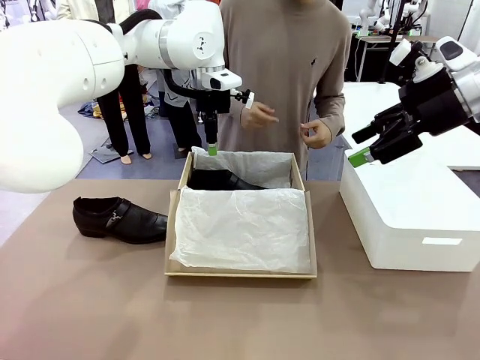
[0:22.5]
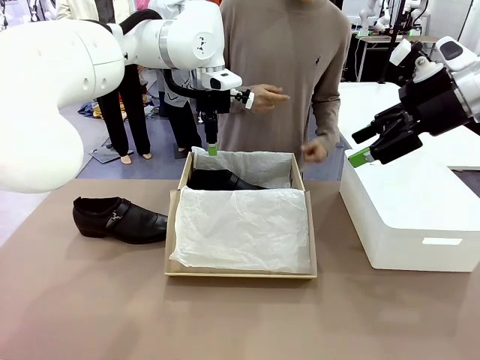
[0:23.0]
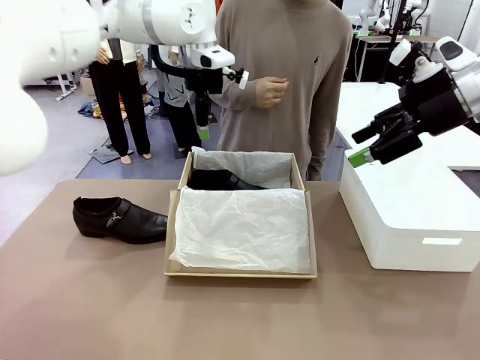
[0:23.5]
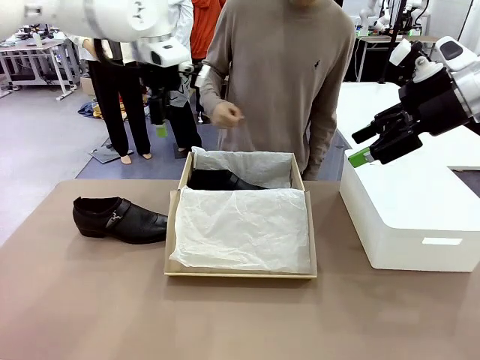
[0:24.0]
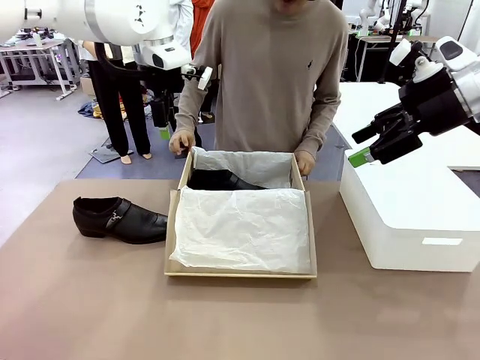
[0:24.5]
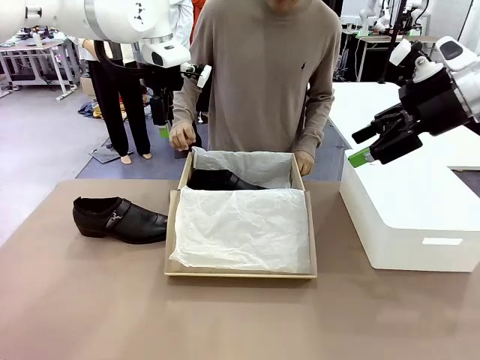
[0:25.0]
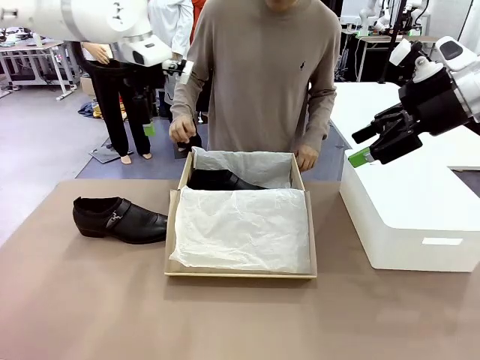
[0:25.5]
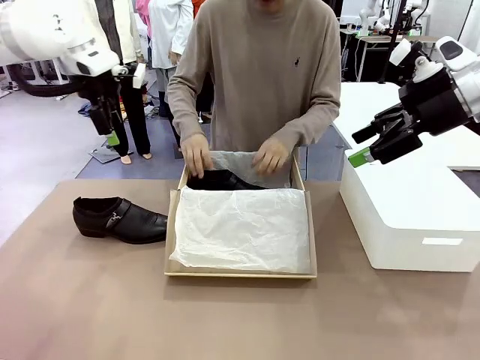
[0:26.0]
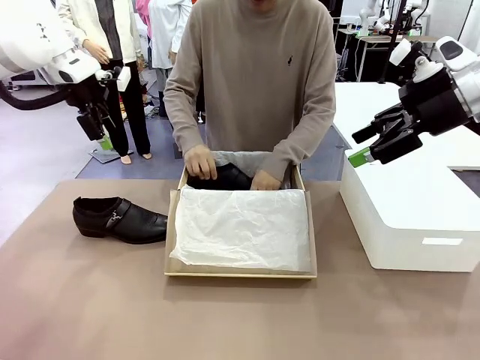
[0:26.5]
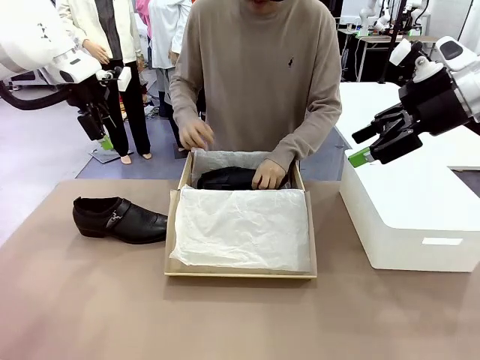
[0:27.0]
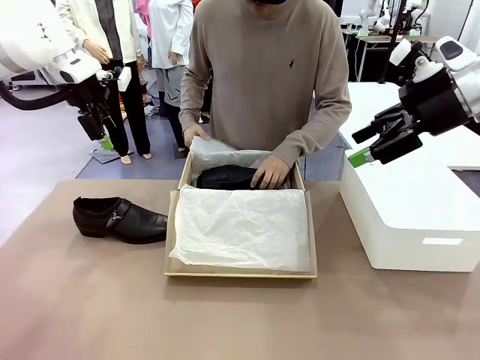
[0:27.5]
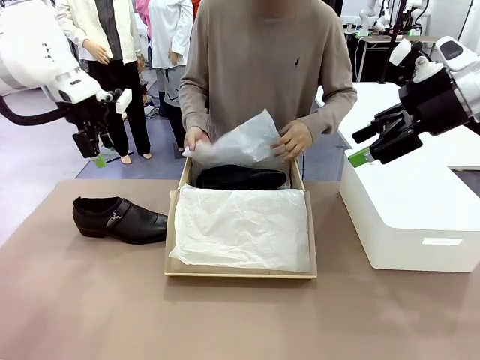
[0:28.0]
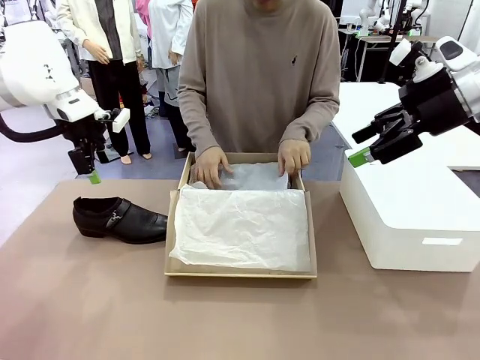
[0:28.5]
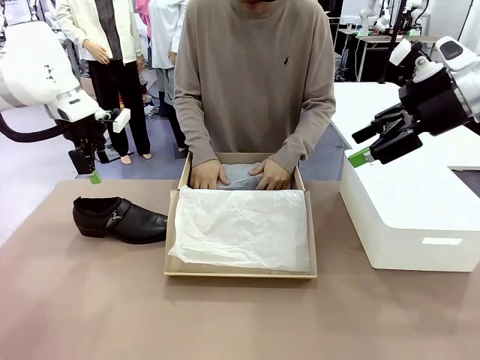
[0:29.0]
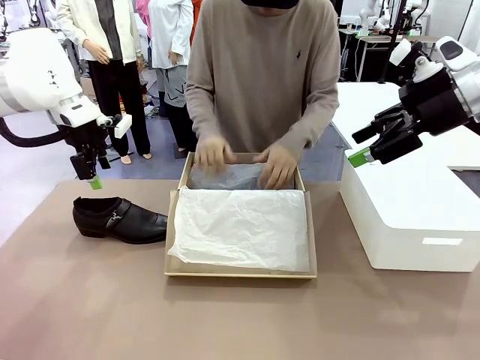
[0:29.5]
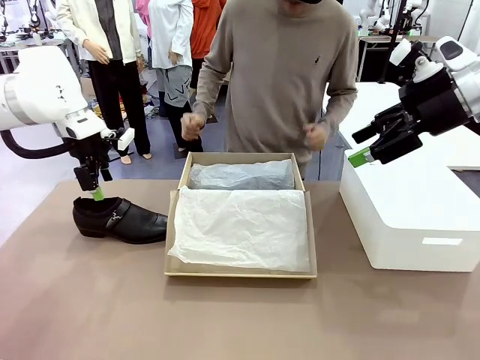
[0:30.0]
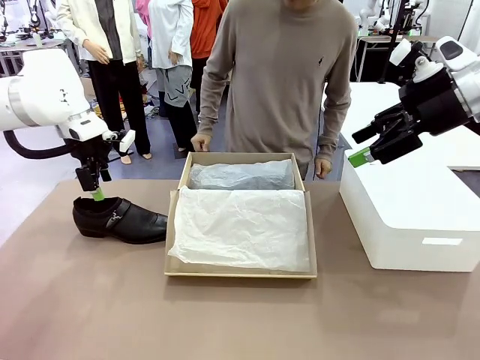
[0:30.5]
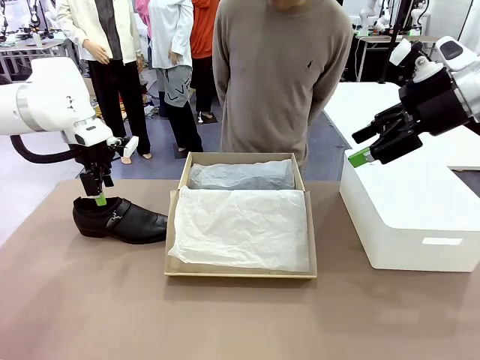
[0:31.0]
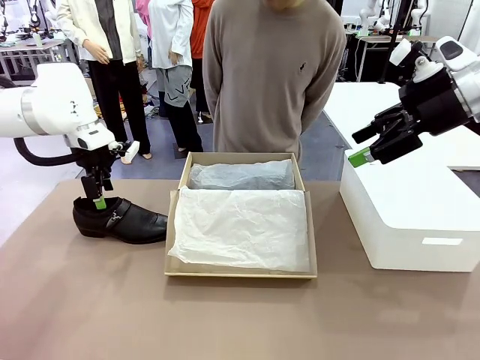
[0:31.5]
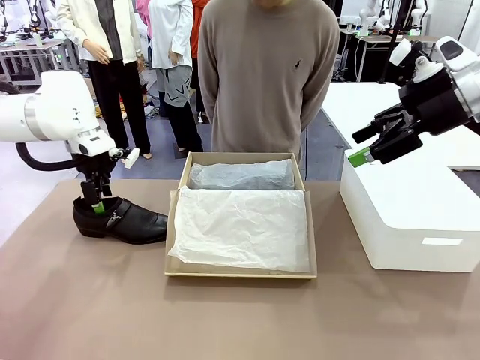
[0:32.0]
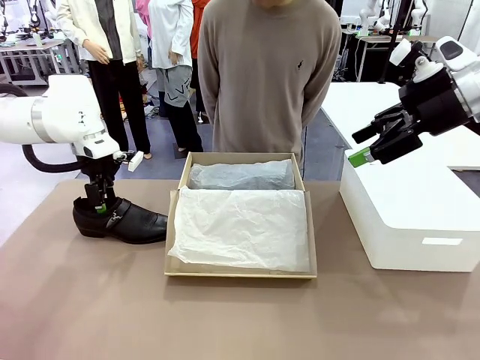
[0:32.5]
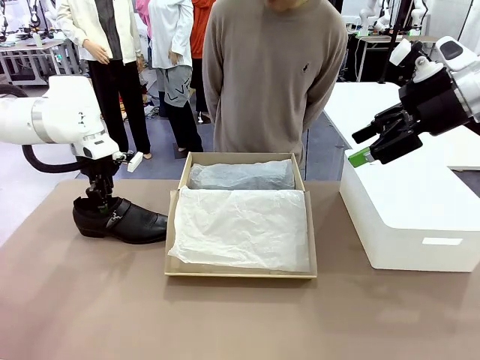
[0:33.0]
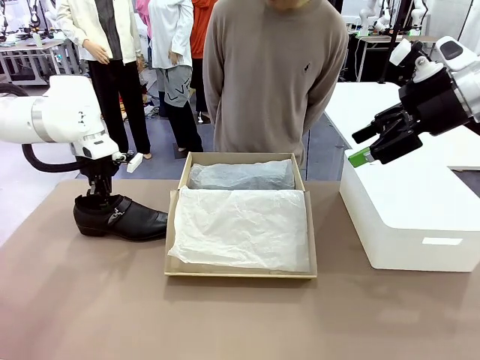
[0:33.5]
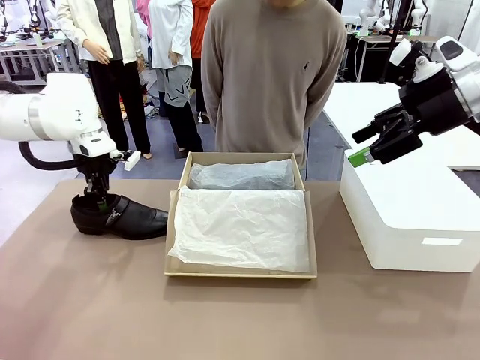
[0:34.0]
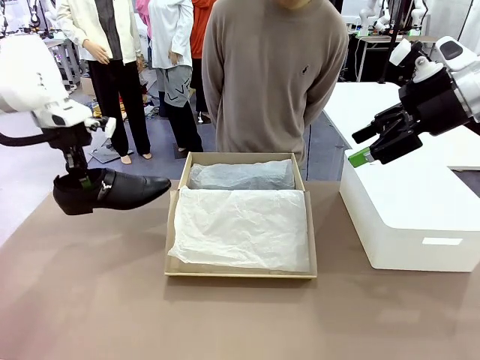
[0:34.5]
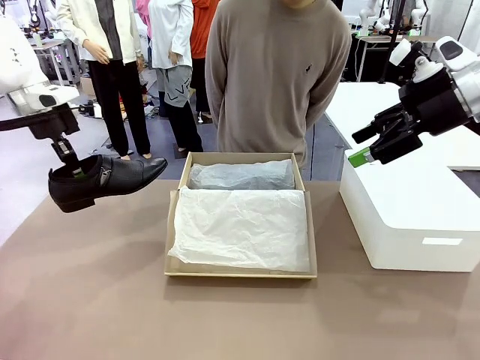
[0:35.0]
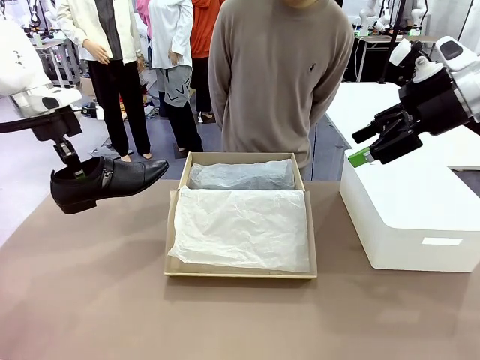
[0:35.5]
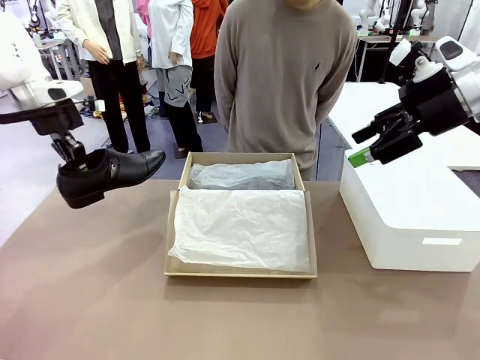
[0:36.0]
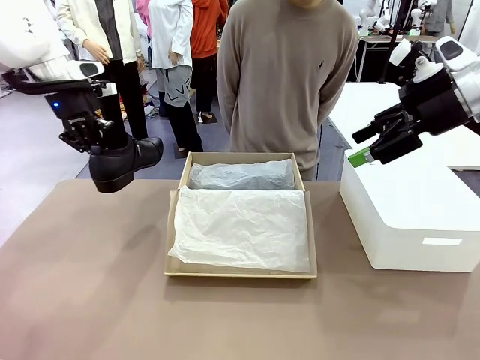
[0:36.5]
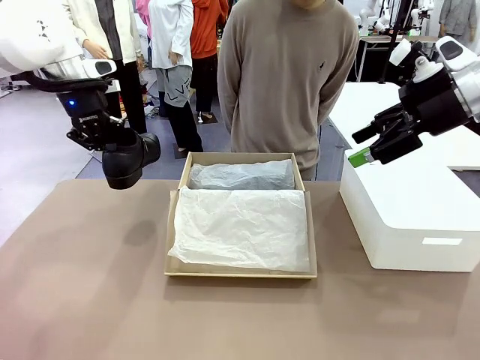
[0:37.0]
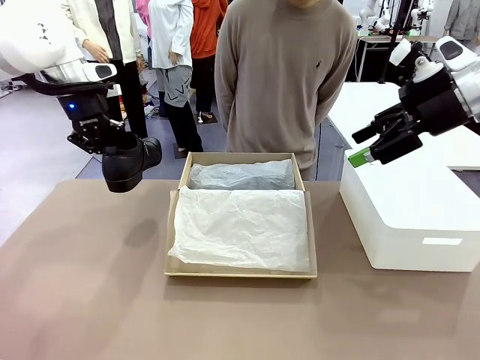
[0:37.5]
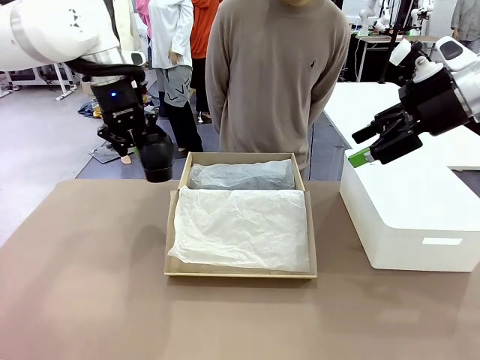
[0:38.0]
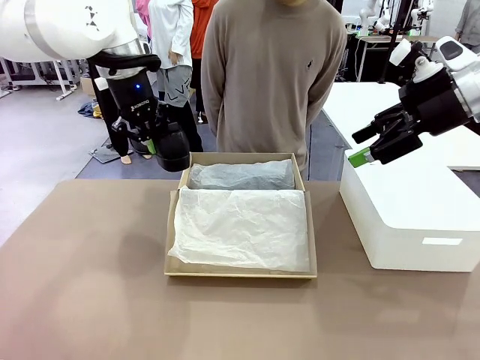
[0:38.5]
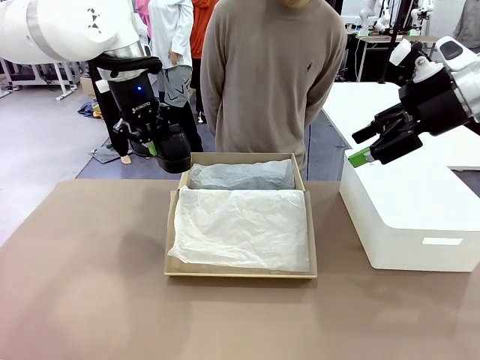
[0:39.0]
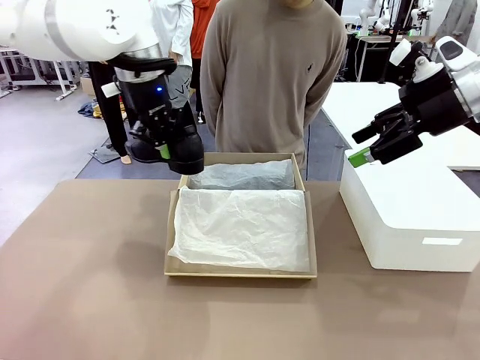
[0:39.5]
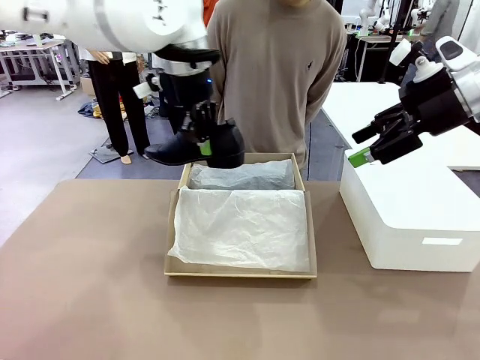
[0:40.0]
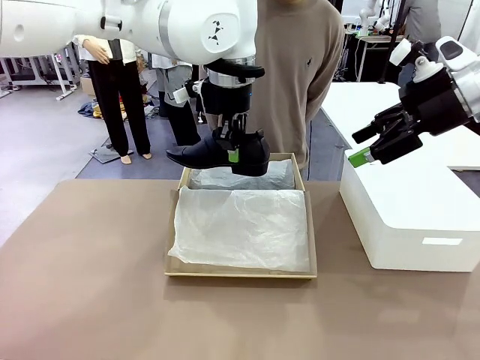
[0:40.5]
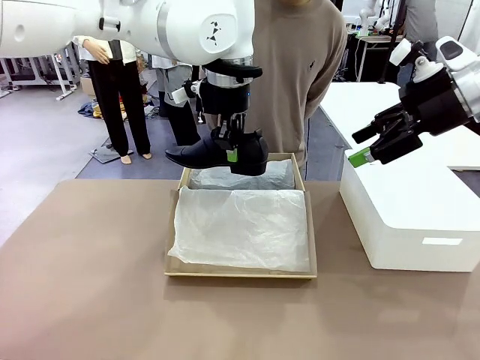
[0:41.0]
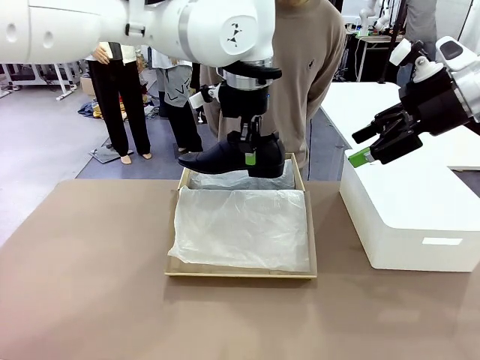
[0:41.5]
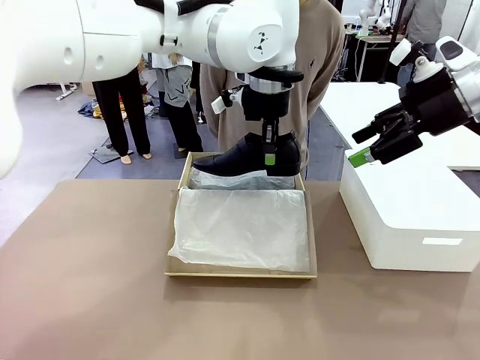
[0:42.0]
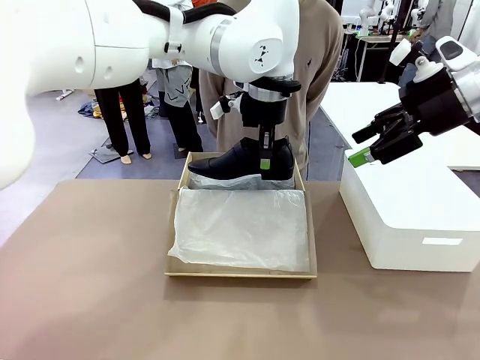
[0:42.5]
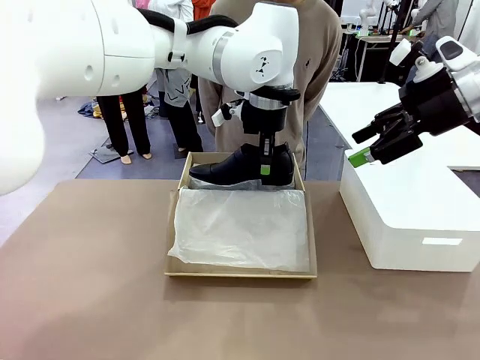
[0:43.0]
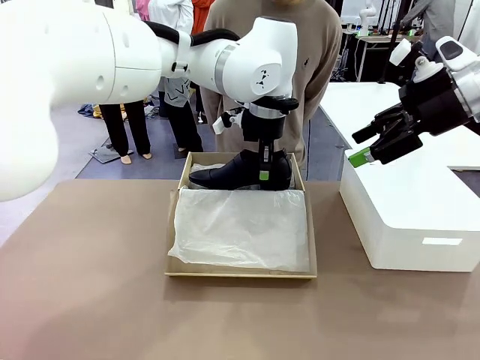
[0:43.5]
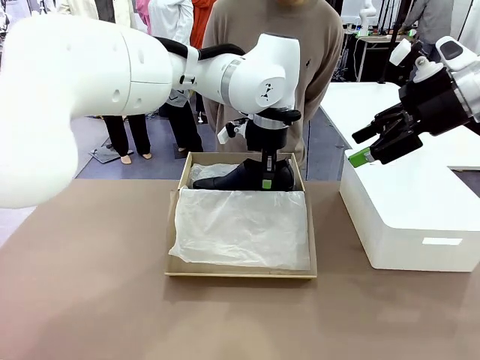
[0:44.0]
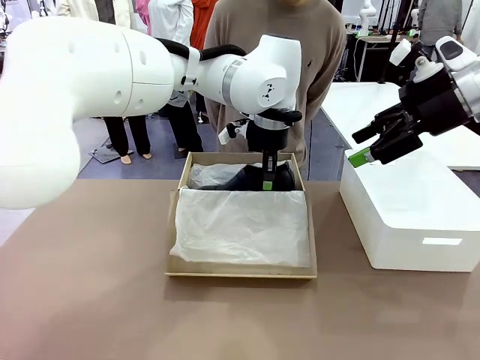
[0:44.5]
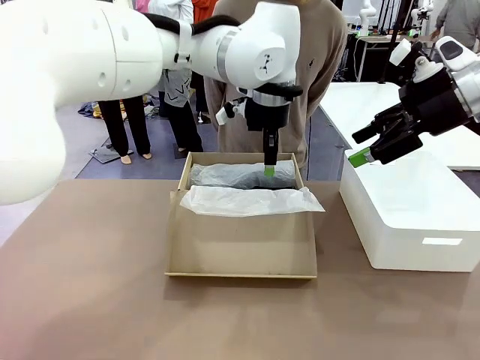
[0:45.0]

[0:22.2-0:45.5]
Task: Pack the shoes into the box.
Robot: Place the other shoe of the Shoes into the Shoes Box.
Person: Pack a shoe of Shoes inside the Shoes Box with Shoes Wrapping Paper.
